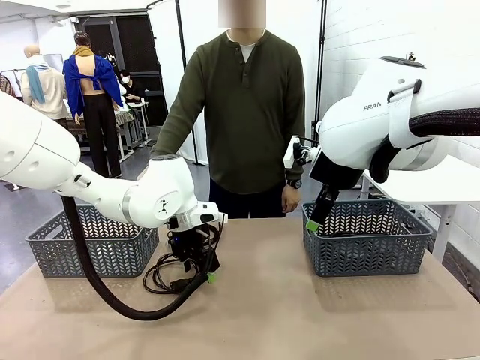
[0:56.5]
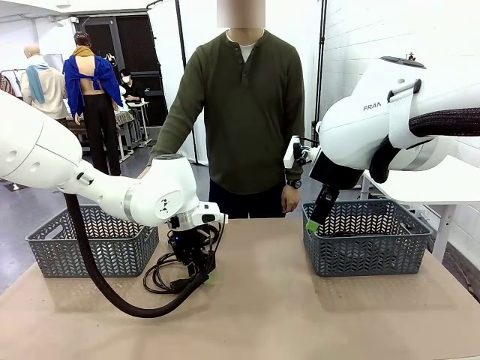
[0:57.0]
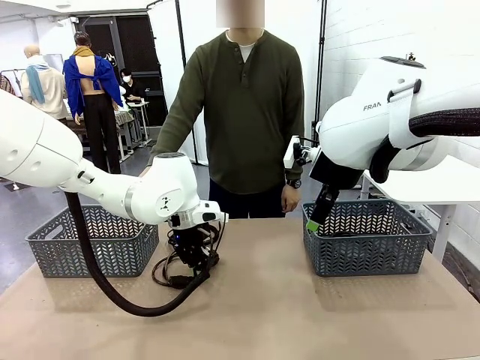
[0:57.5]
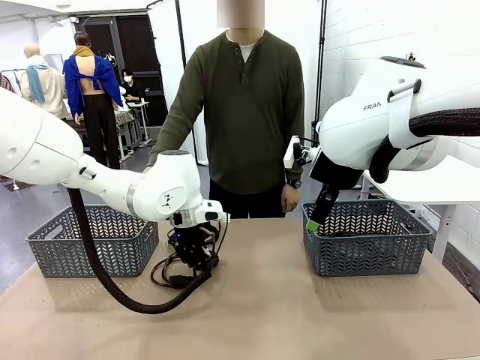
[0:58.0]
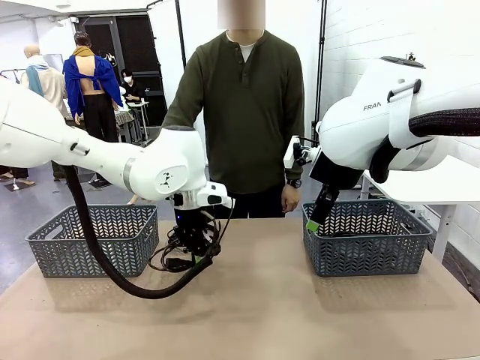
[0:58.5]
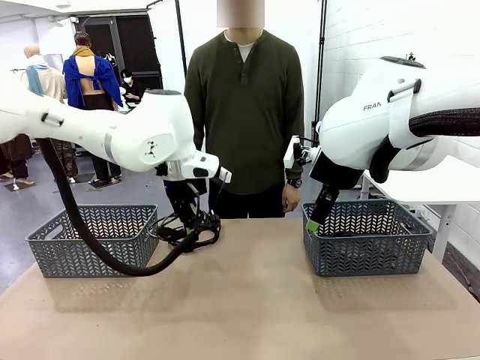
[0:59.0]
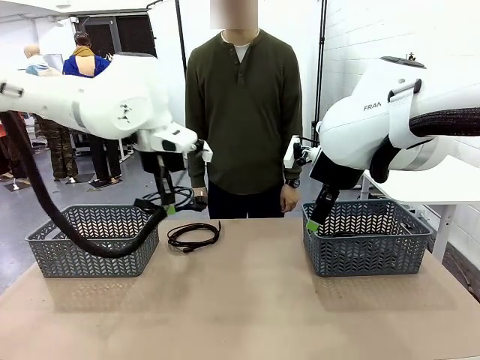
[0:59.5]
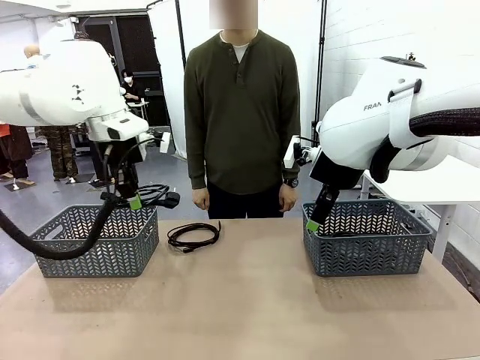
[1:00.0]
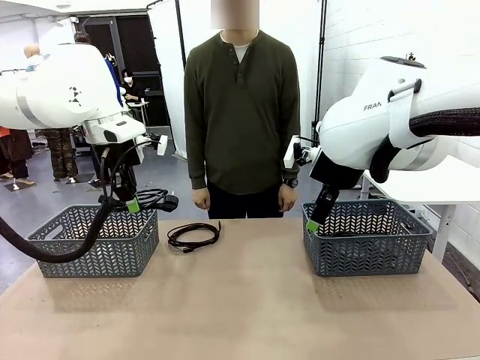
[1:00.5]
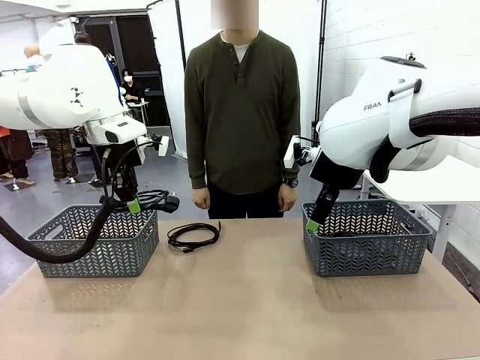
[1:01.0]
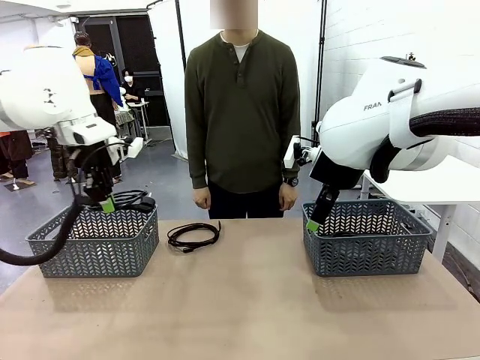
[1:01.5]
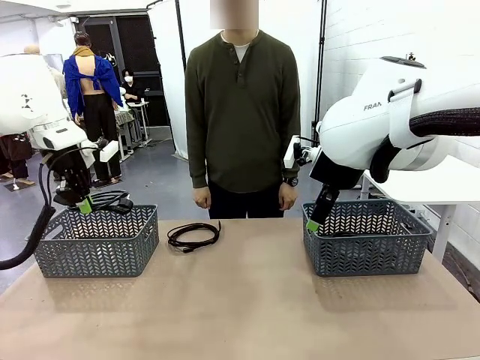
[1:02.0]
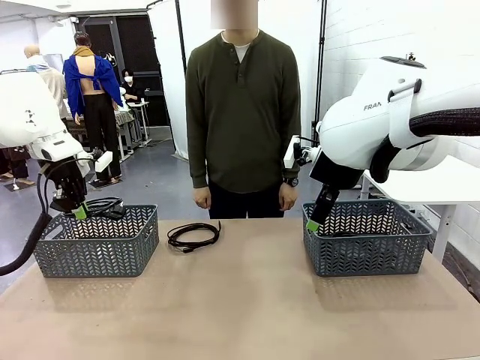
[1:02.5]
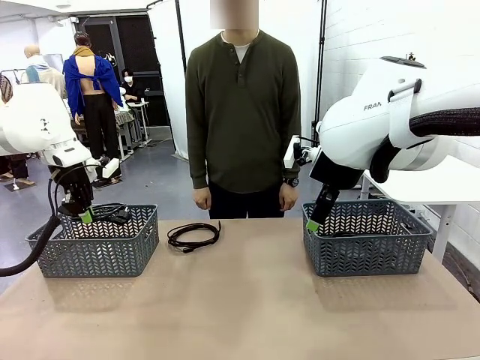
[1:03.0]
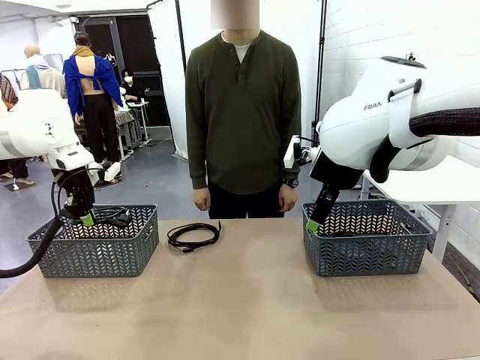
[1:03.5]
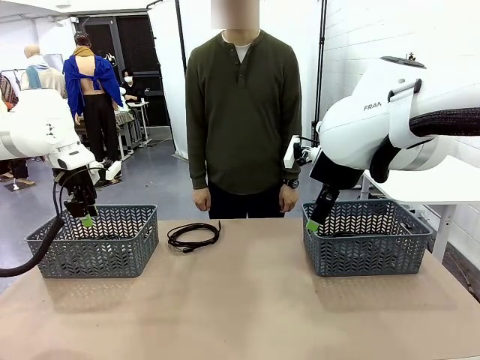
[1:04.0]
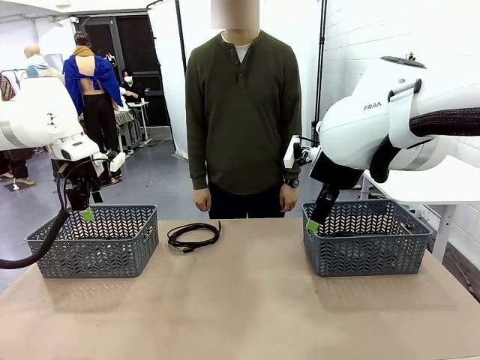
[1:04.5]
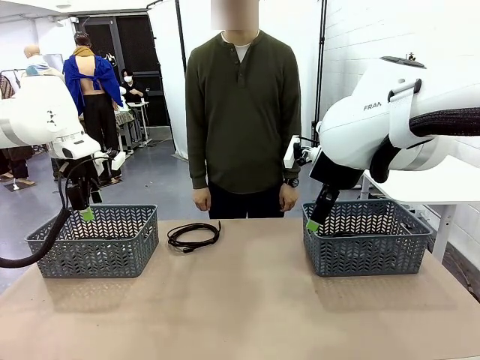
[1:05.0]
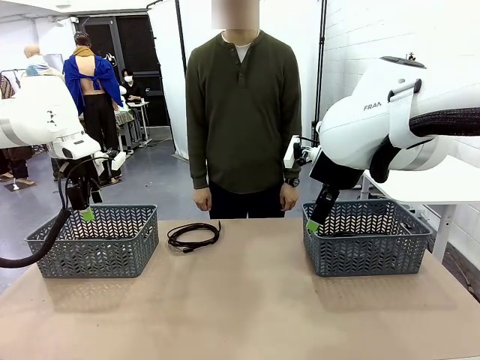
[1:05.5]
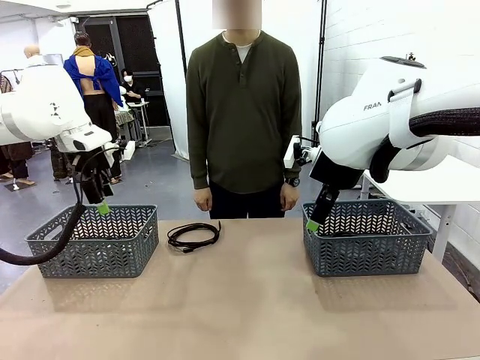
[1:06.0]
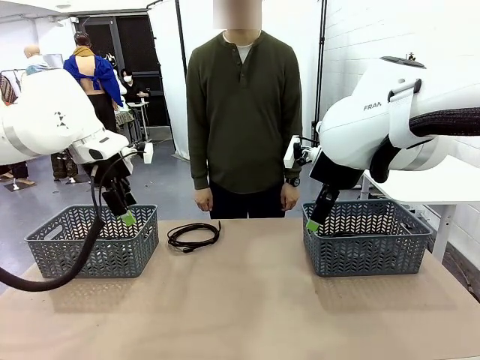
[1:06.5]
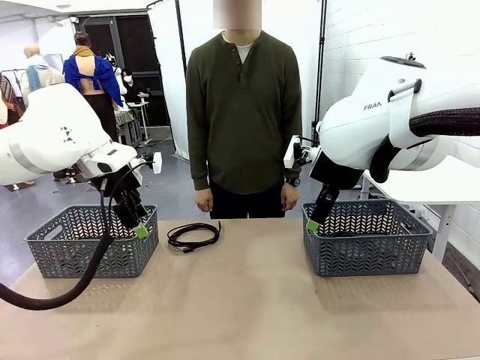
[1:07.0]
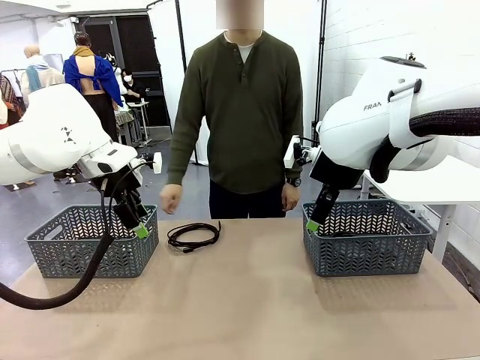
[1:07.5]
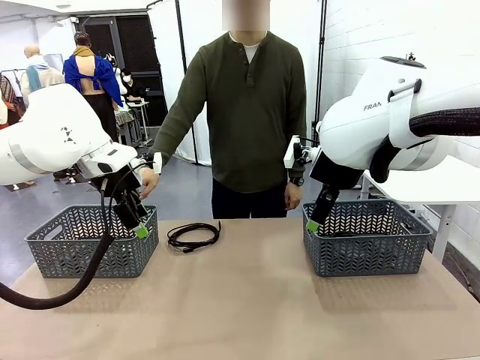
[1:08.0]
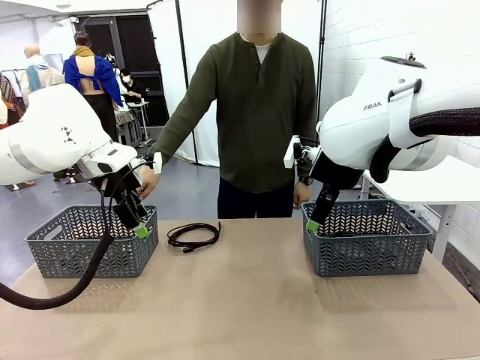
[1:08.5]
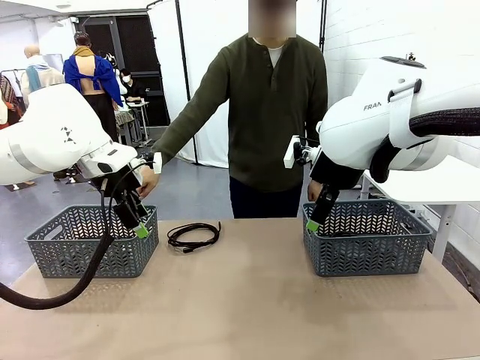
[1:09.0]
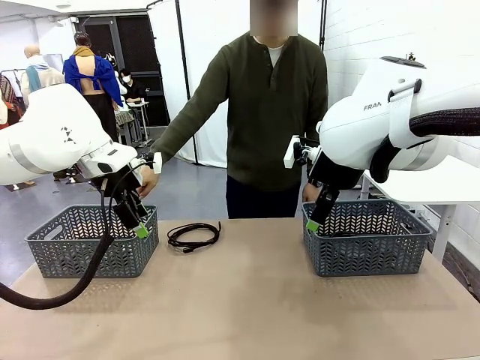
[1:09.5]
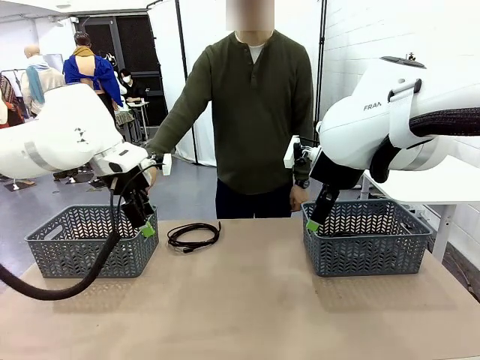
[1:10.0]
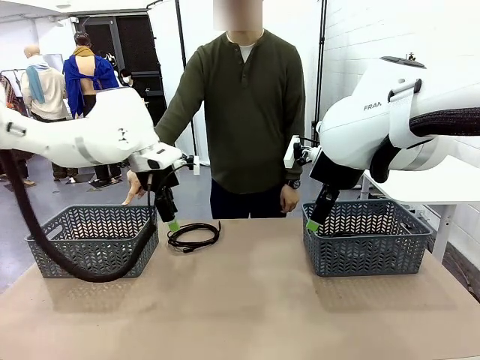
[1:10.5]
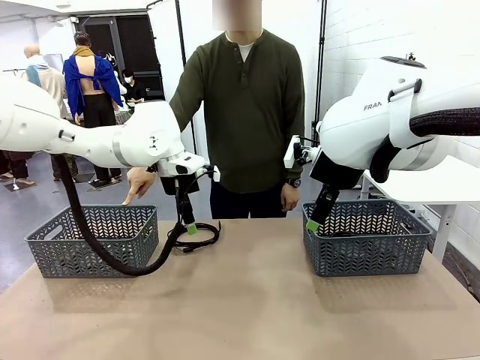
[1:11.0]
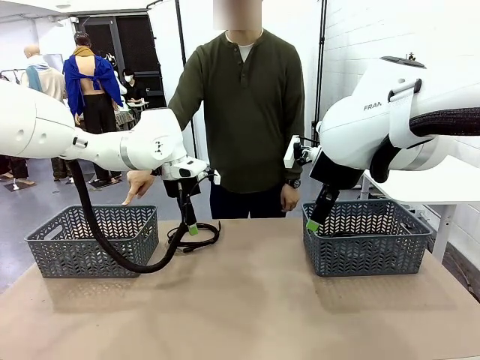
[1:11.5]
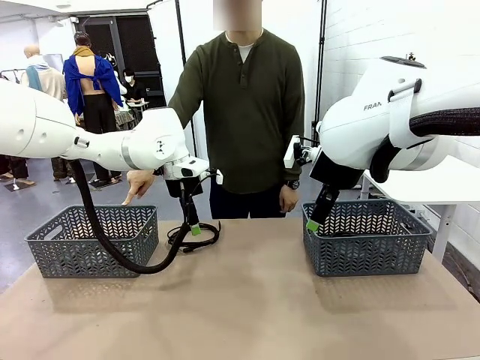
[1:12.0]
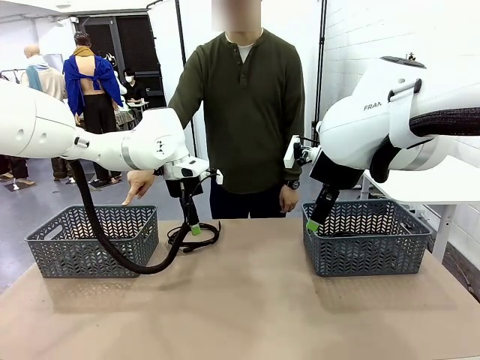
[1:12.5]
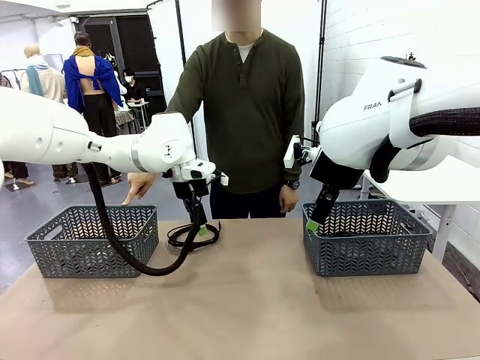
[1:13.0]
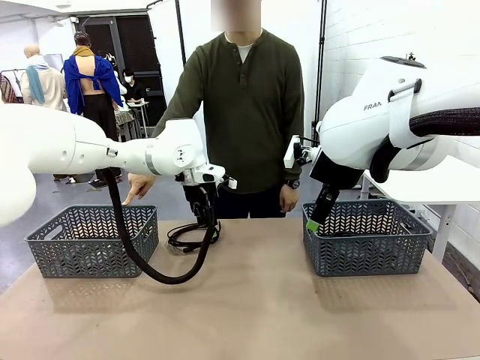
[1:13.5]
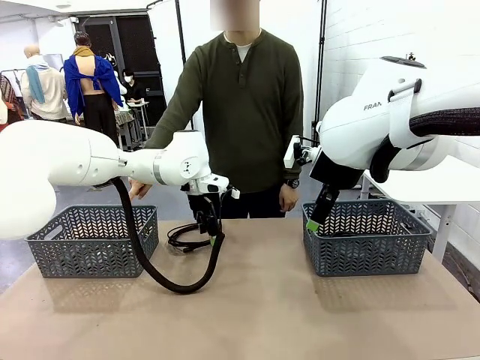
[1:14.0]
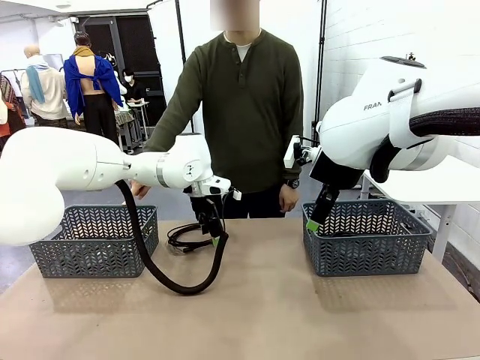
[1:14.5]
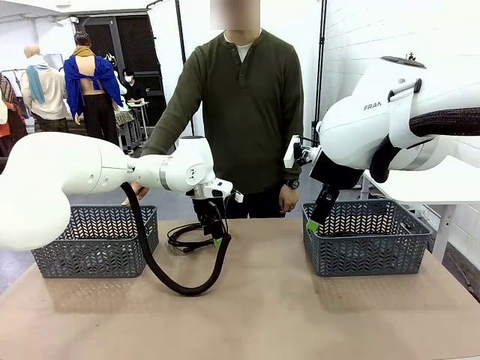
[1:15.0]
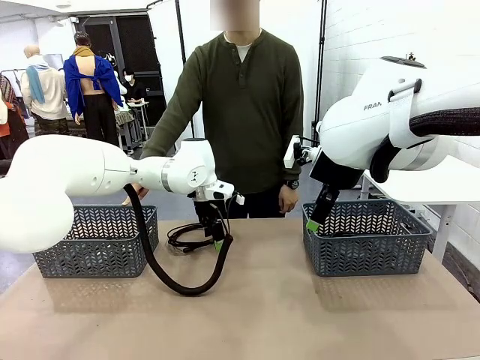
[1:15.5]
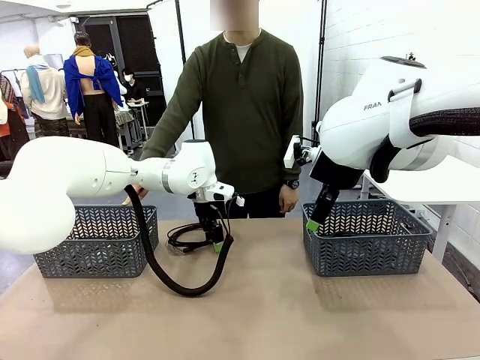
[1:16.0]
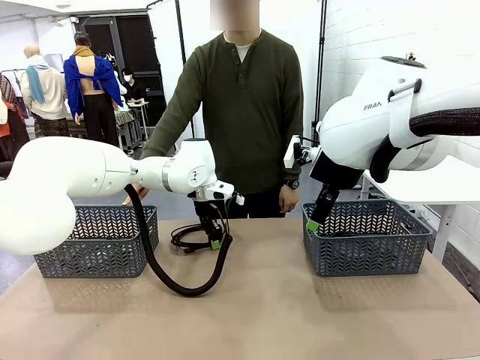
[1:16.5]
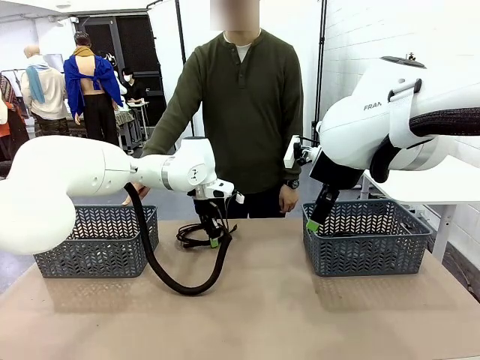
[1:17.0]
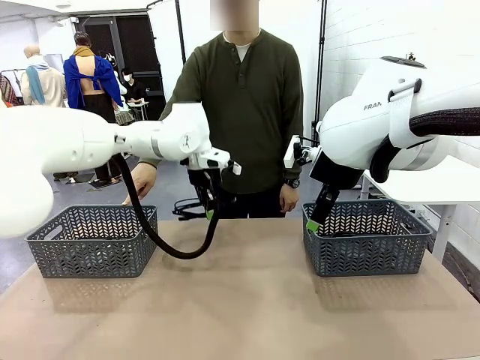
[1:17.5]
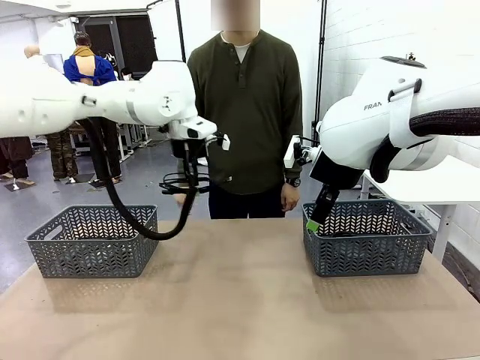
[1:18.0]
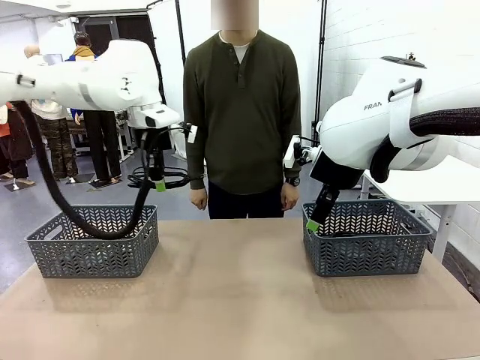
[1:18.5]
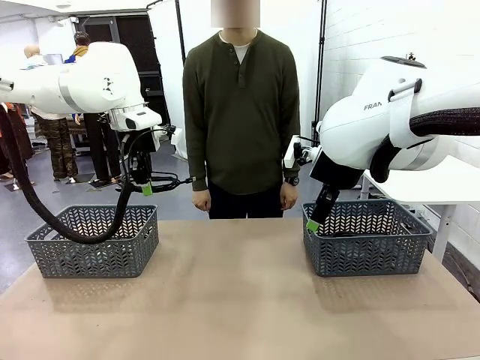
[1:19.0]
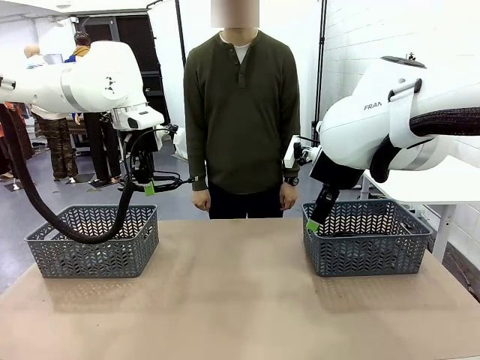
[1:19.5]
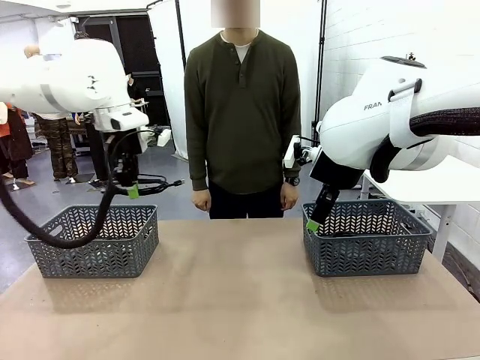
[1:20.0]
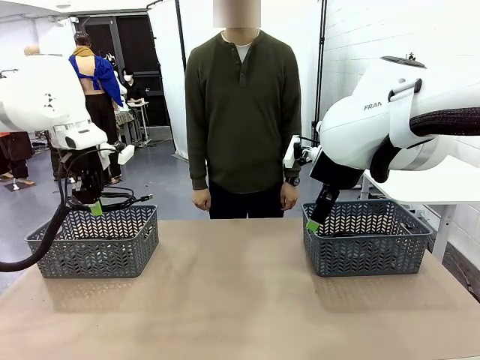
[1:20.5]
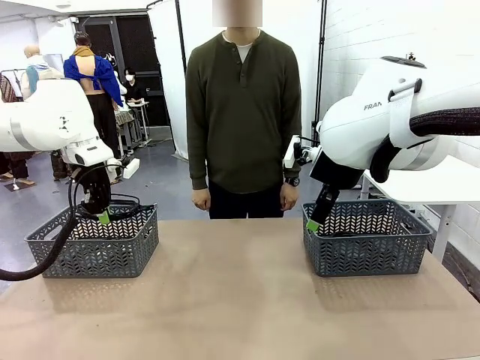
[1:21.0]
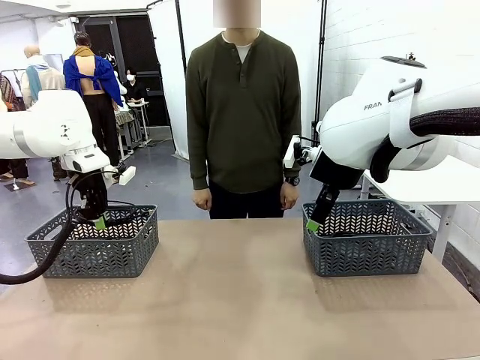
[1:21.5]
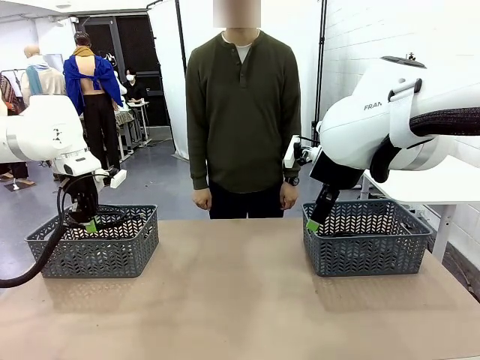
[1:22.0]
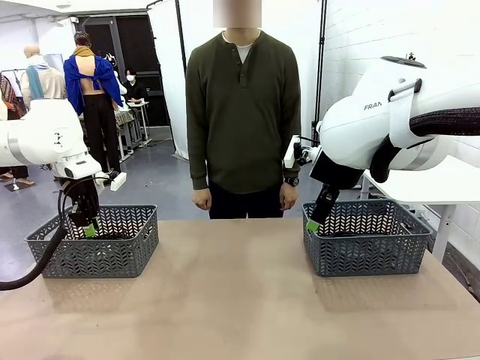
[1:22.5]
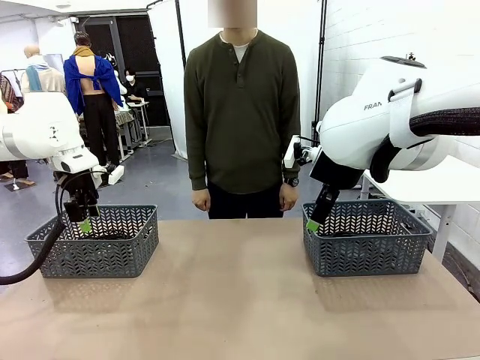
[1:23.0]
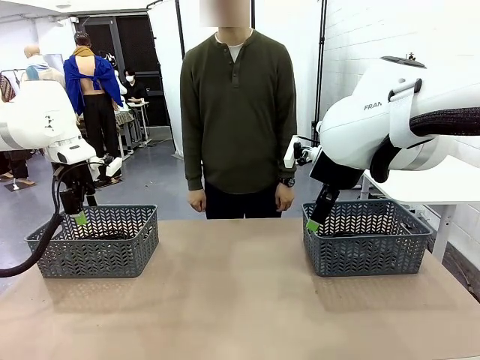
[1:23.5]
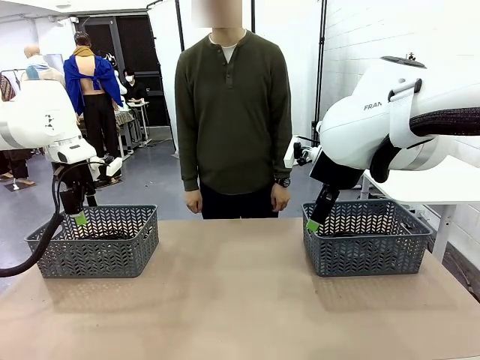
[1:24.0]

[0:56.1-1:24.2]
Task: Organize the cables according to human instructions.
Robot: Pick up a bundle of cables and place it in the basket indicated by the human.
